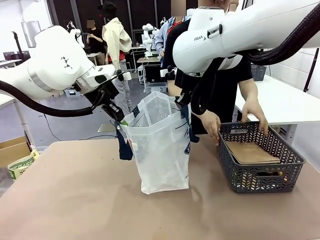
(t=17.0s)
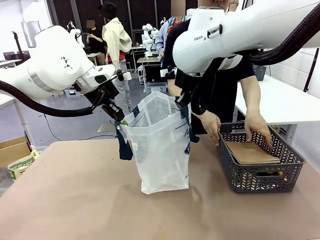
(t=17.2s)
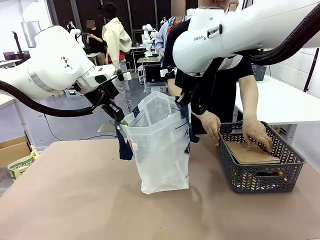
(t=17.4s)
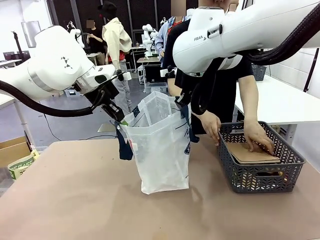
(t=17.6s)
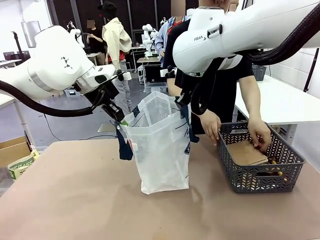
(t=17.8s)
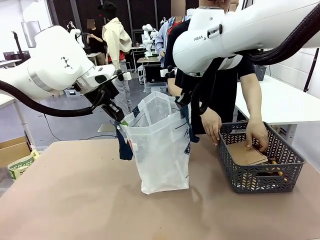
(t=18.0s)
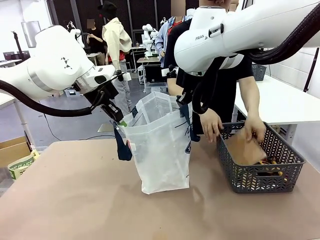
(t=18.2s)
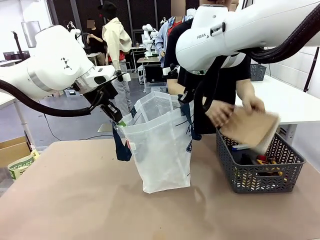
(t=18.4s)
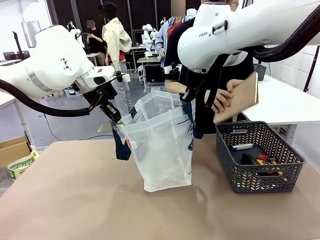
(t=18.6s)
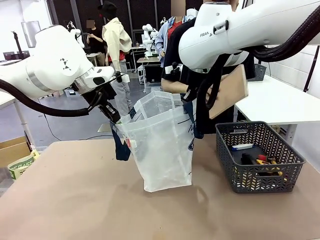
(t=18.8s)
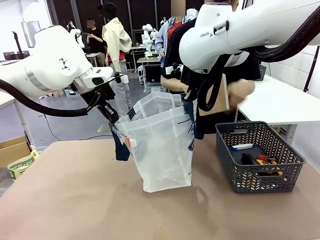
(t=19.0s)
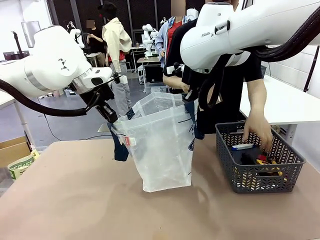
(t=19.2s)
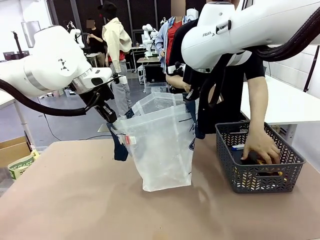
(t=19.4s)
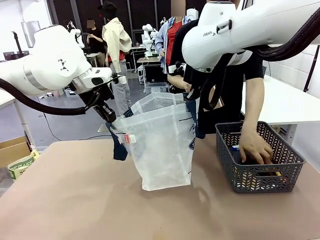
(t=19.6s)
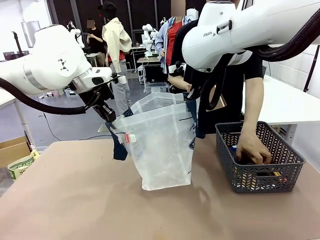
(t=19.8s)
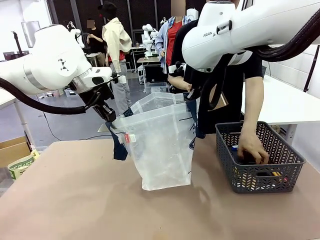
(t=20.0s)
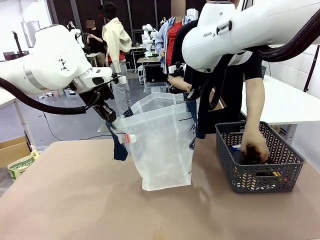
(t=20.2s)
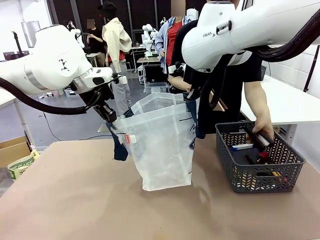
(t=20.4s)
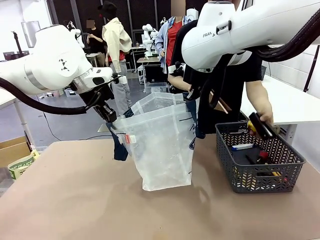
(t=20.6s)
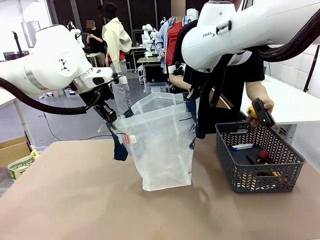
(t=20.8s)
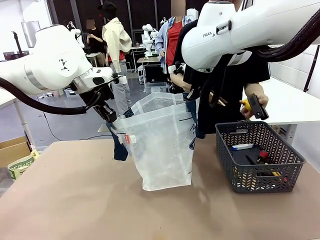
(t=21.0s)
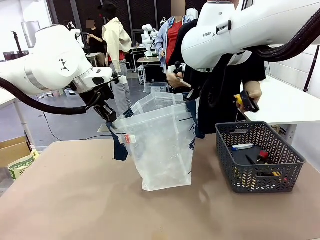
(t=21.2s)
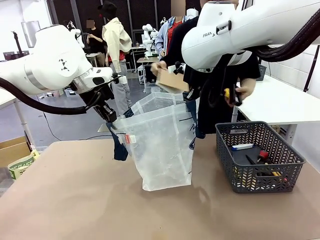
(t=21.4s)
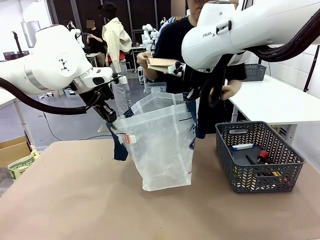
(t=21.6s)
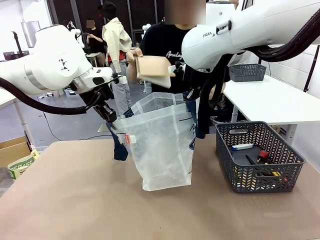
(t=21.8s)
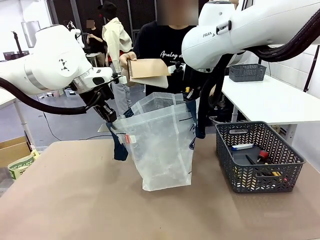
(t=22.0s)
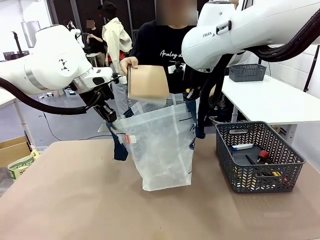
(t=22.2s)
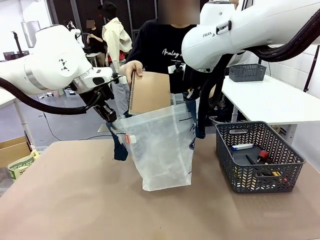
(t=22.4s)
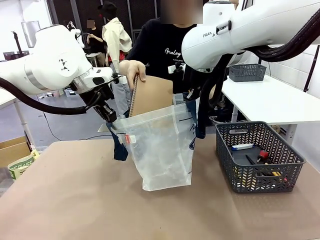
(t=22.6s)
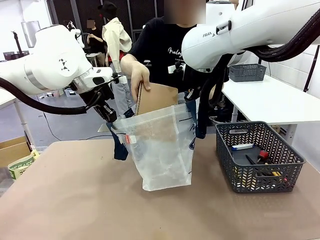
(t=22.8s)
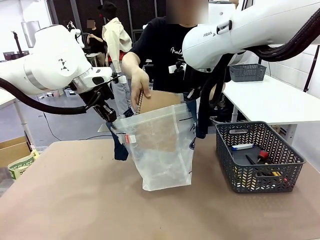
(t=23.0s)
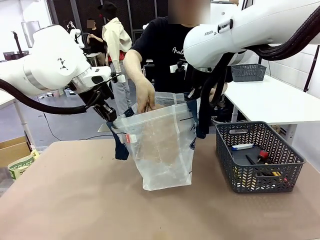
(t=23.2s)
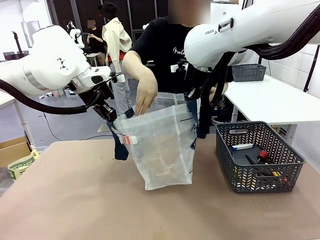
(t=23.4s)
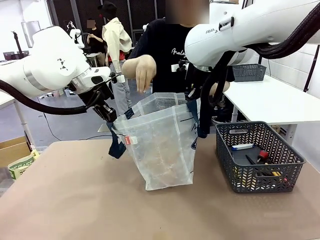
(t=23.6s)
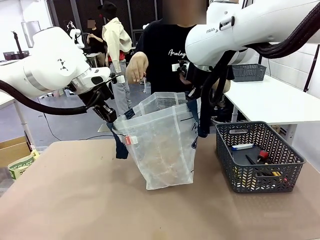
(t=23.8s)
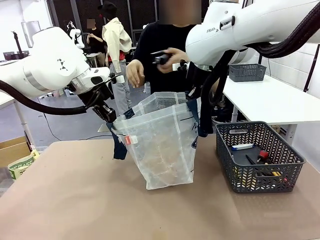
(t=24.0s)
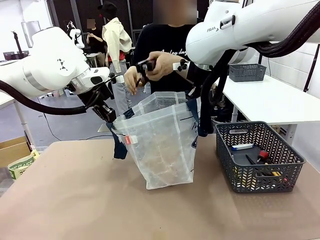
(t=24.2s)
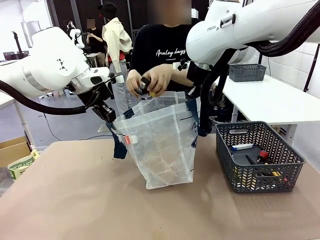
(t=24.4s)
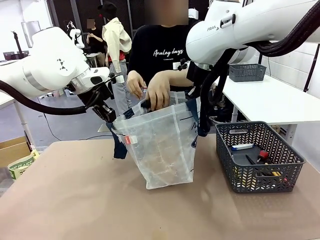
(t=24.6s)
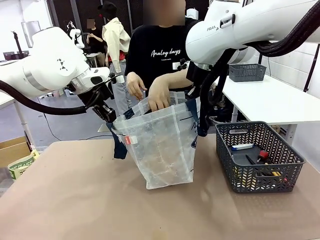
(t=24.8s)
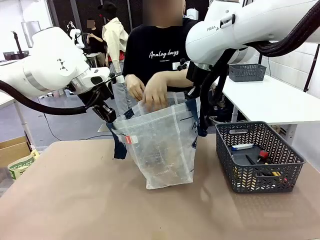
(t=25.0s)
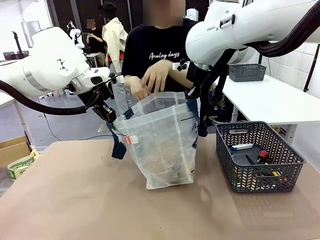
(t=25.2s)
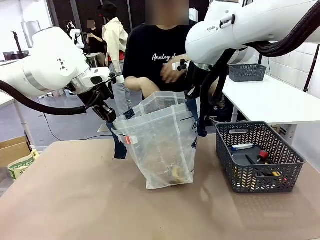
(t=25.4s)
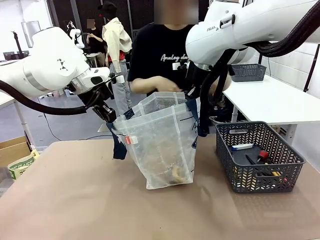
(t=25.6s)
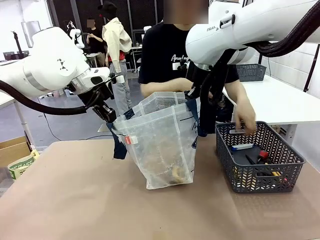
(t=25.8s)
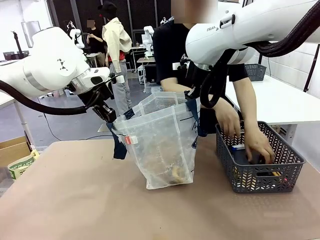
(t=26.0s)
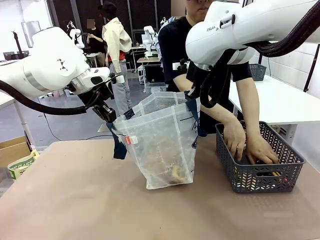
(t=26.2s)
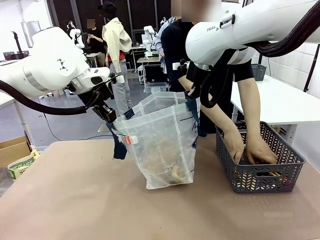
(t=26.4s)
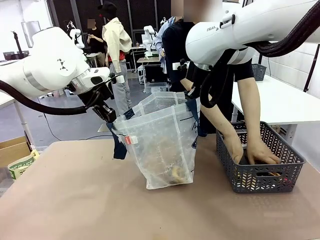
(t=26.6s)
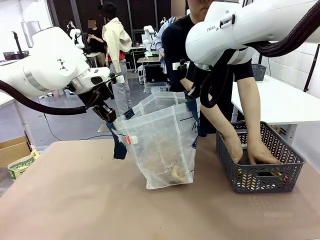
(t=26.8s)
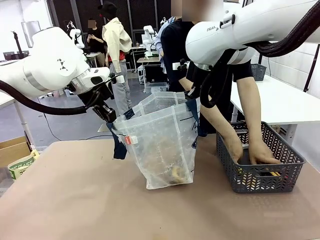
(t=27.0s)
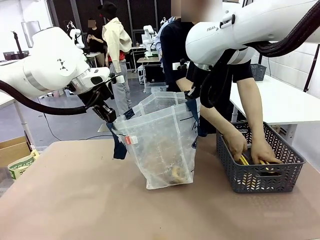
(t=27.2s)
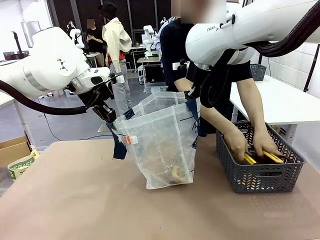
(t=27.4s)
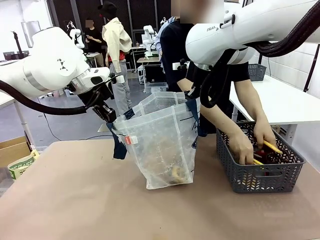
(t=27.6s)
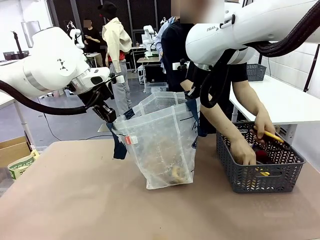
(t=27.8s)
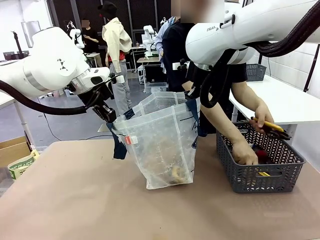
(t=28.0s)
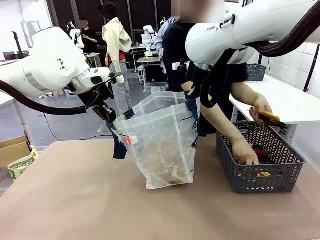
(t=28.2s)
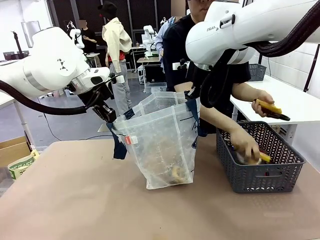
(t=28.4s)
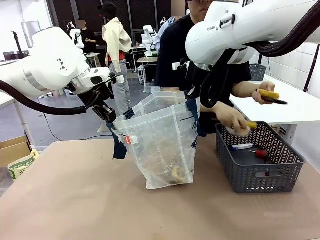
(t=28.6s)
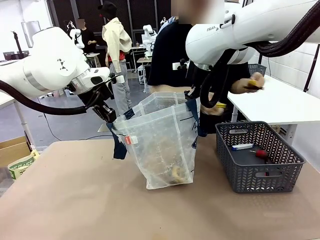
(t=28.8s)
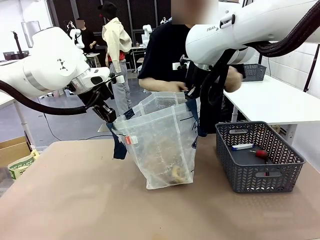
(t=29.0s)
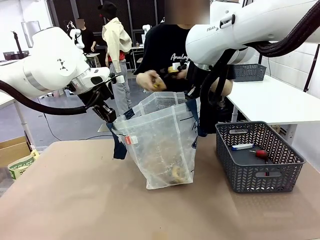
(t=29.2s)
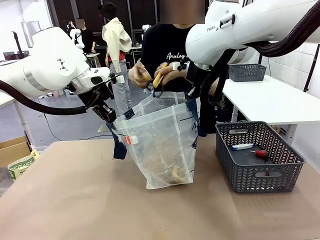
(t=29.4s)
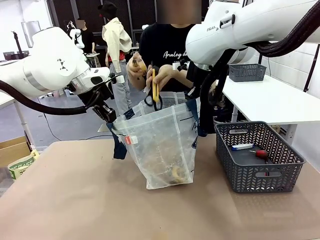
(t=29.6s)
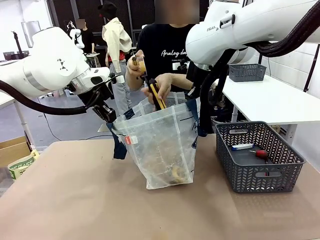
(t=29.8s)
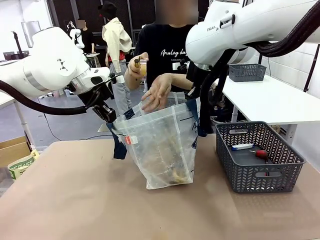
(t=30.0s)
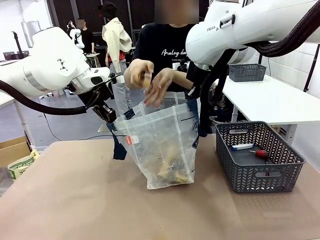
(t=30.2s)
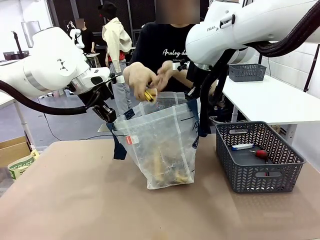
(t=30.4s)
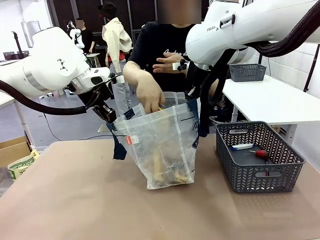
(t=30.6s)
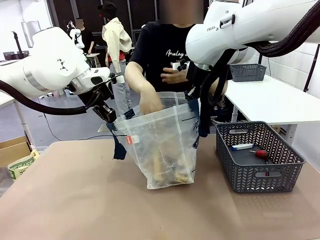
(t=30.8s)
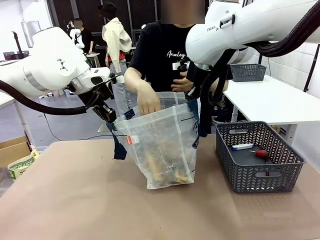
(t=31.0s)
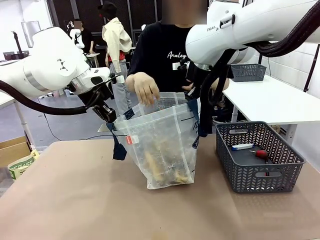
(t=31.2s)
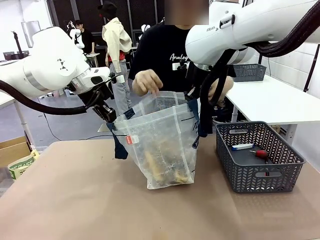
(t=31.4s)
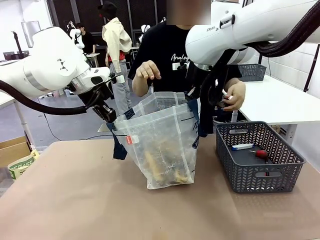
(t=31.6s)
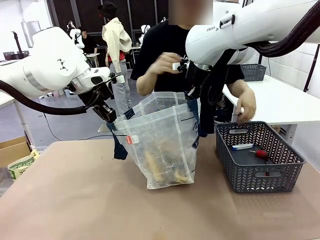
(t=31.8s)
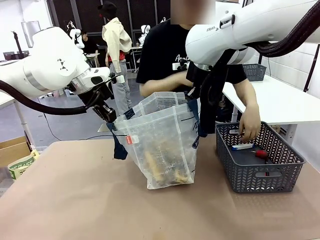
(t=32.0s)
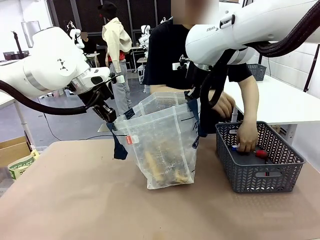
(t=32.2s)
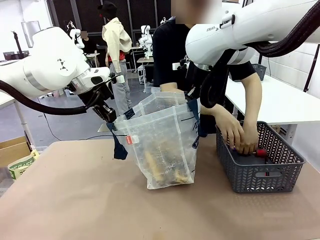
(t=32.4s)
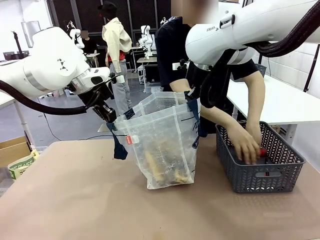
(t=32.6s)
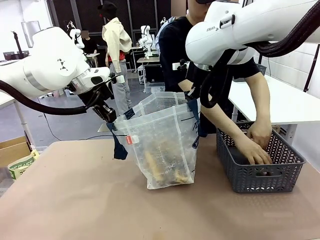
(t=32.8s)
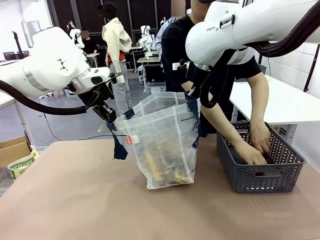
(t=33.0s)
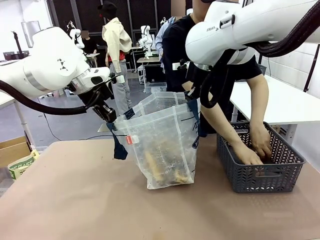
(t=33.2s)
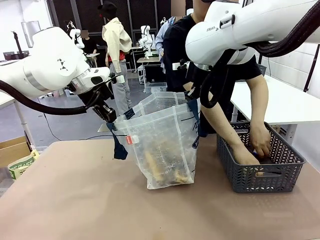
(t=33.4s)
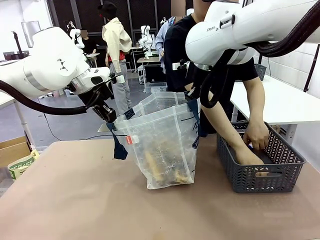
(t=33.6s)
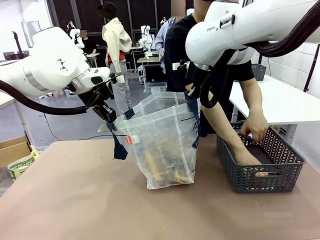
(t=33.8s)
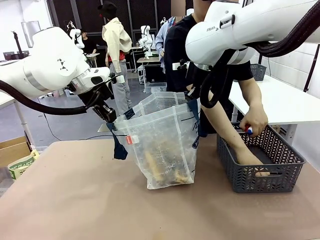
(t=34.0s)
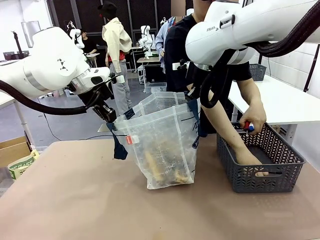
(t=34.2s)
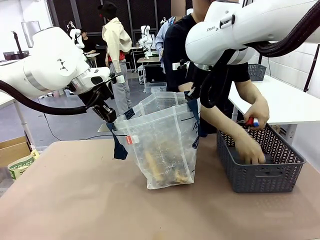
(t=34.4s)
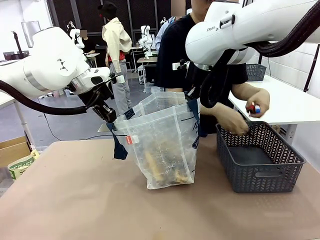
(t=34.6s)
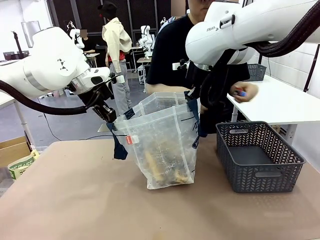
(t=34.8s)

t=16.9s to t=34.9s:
Task: Transfer purchased items from the store into the shopping bag.
Robot: Move the Reusable shopping bag to the right side of the table.
Person: Pick up the basket on the right, place it on the left side of the robot table, and move the items in the basket to the shopping bag.
